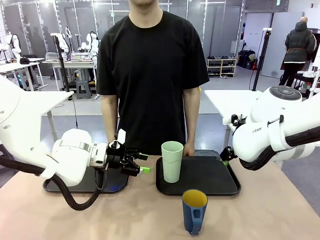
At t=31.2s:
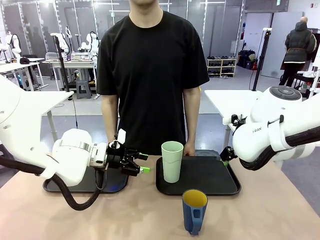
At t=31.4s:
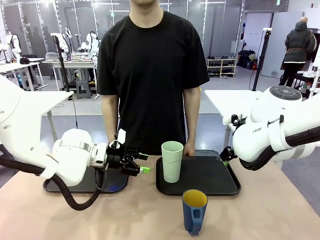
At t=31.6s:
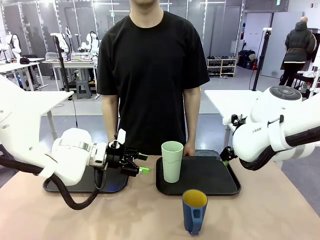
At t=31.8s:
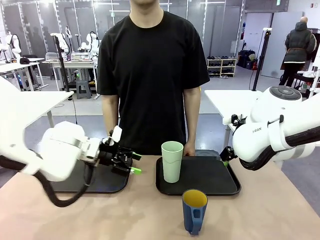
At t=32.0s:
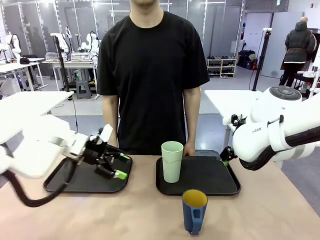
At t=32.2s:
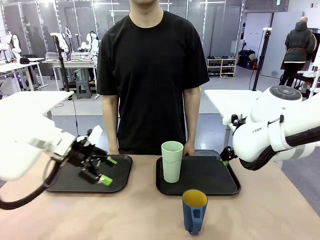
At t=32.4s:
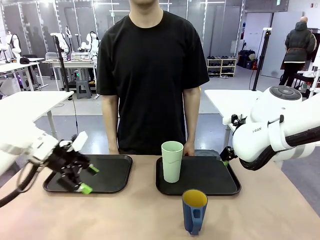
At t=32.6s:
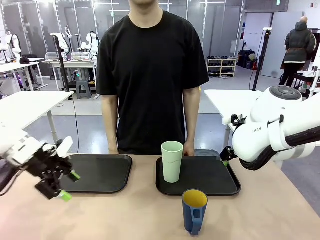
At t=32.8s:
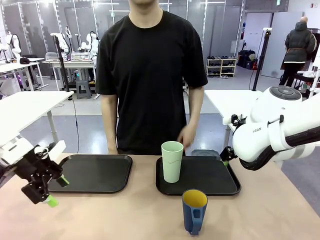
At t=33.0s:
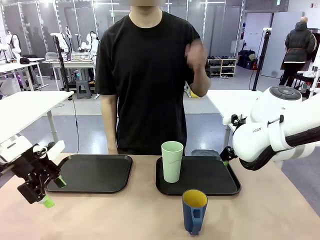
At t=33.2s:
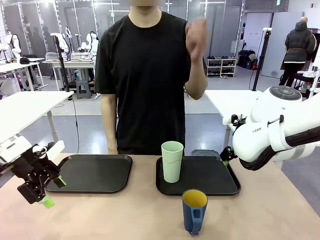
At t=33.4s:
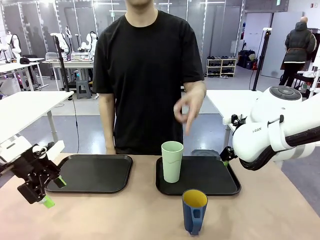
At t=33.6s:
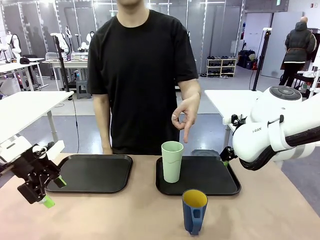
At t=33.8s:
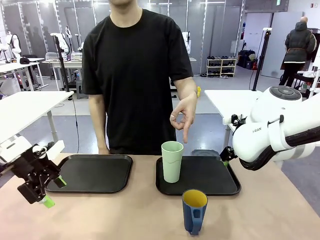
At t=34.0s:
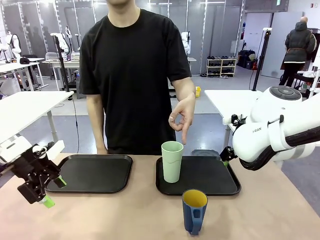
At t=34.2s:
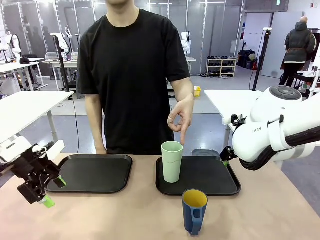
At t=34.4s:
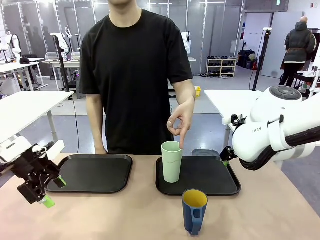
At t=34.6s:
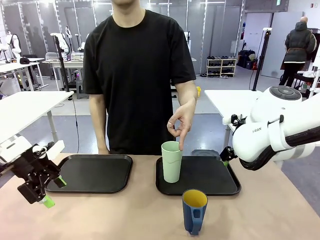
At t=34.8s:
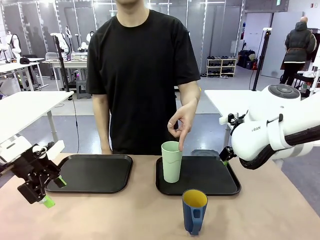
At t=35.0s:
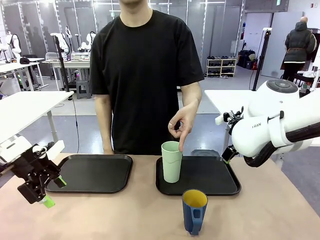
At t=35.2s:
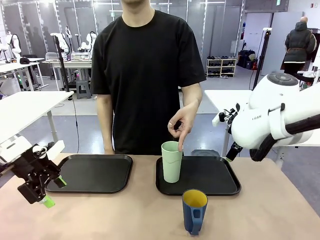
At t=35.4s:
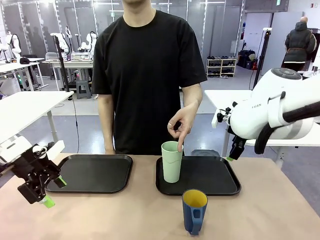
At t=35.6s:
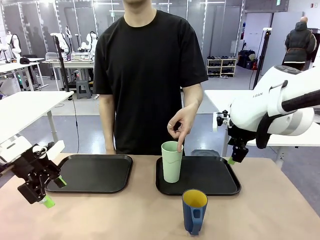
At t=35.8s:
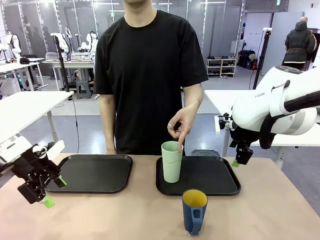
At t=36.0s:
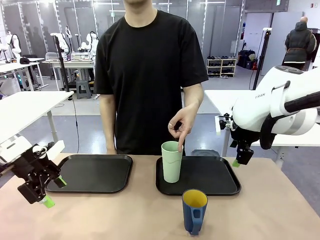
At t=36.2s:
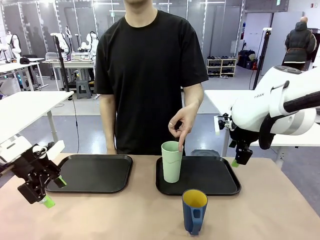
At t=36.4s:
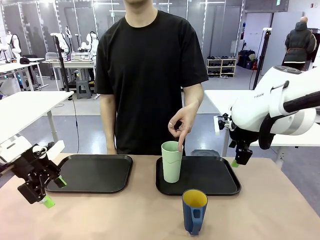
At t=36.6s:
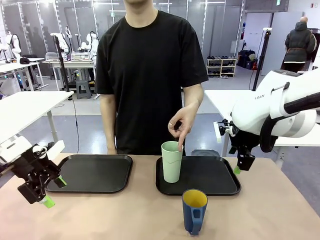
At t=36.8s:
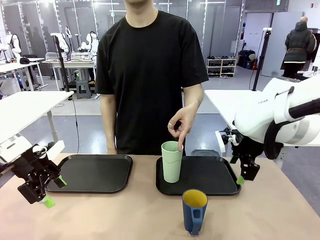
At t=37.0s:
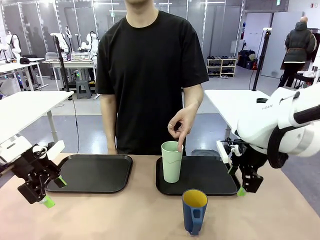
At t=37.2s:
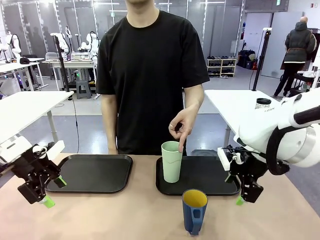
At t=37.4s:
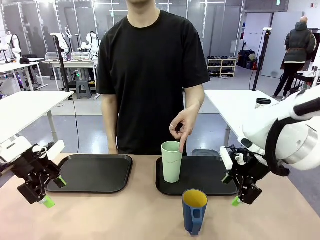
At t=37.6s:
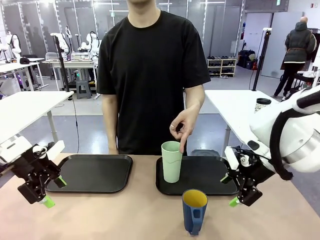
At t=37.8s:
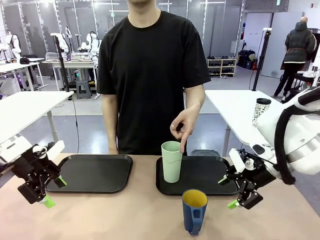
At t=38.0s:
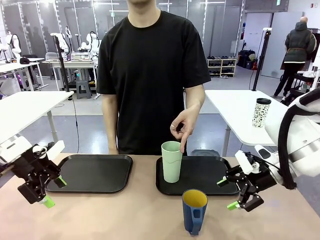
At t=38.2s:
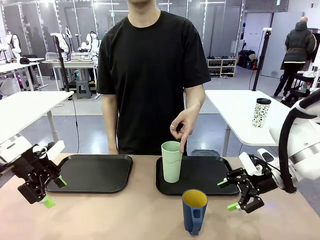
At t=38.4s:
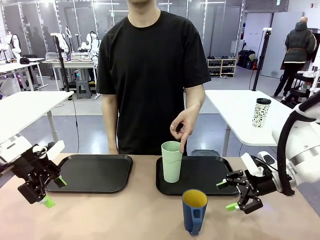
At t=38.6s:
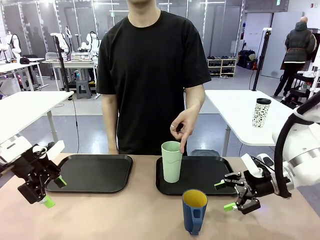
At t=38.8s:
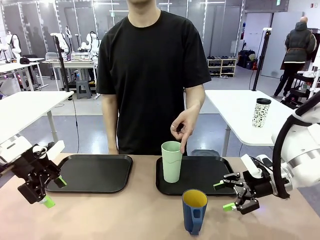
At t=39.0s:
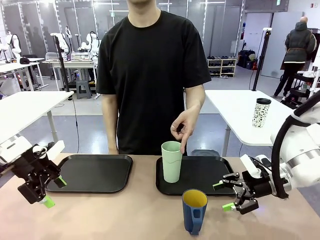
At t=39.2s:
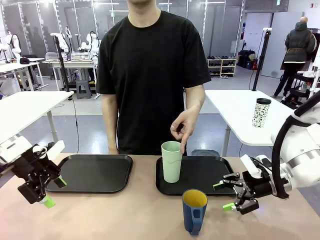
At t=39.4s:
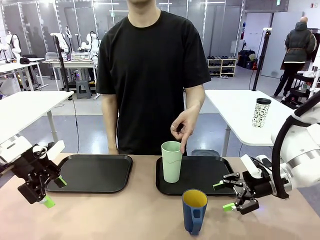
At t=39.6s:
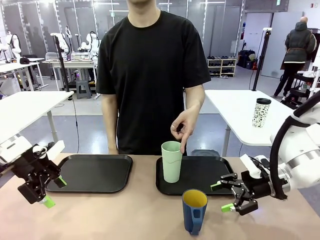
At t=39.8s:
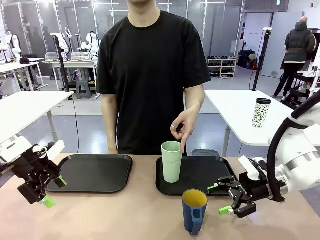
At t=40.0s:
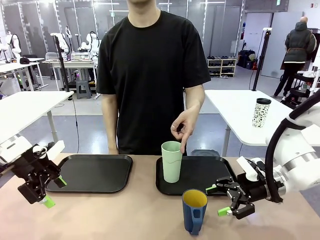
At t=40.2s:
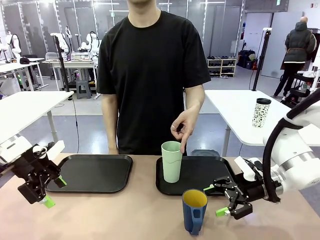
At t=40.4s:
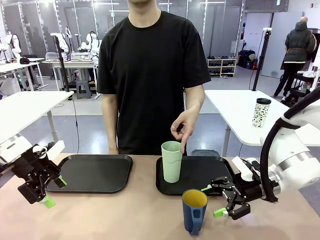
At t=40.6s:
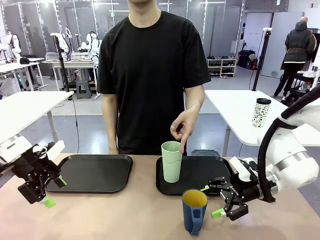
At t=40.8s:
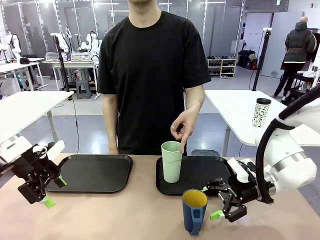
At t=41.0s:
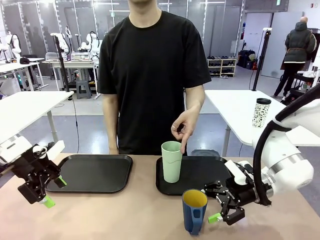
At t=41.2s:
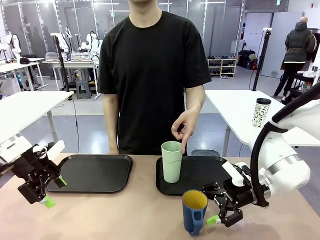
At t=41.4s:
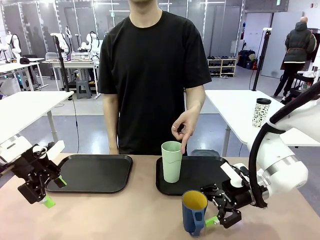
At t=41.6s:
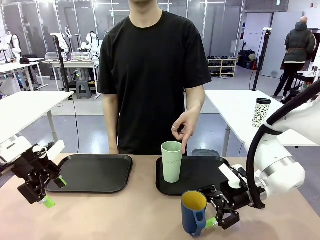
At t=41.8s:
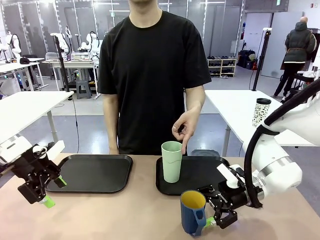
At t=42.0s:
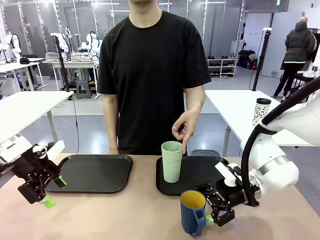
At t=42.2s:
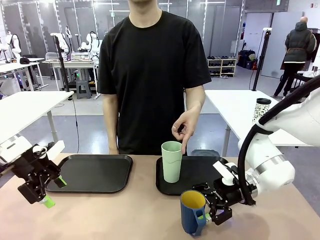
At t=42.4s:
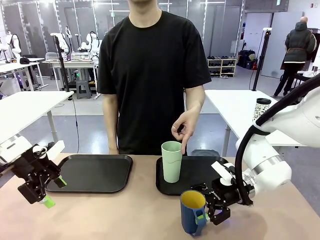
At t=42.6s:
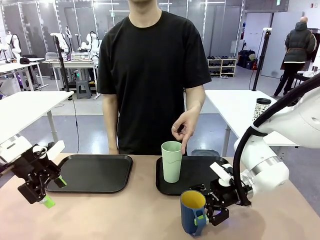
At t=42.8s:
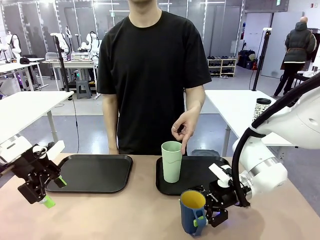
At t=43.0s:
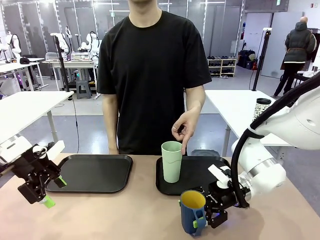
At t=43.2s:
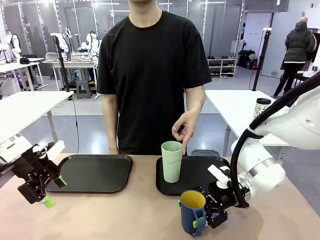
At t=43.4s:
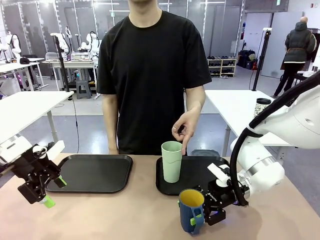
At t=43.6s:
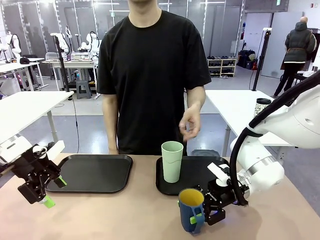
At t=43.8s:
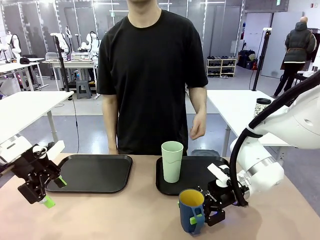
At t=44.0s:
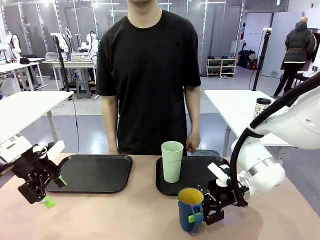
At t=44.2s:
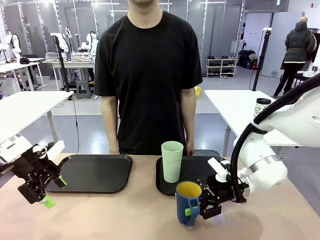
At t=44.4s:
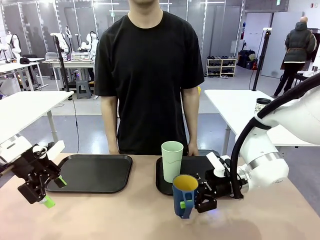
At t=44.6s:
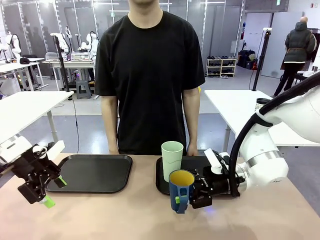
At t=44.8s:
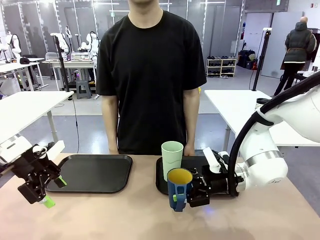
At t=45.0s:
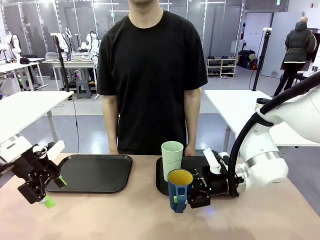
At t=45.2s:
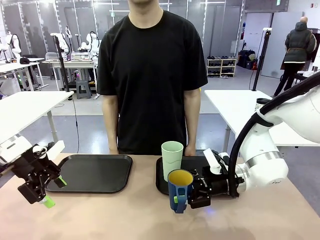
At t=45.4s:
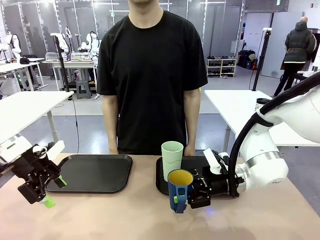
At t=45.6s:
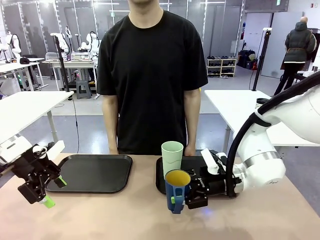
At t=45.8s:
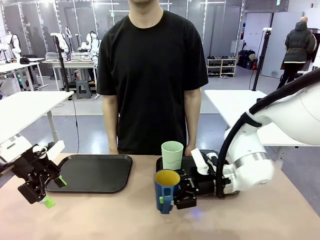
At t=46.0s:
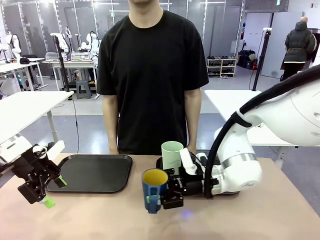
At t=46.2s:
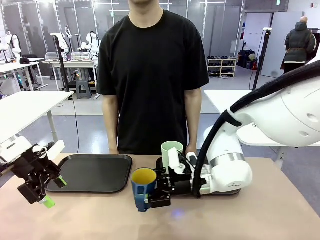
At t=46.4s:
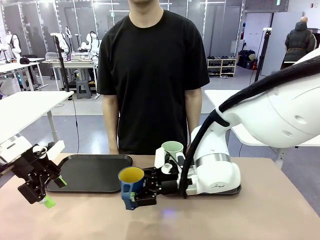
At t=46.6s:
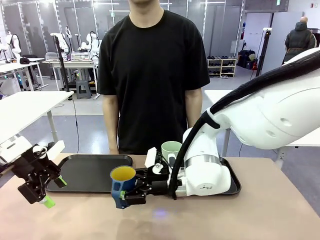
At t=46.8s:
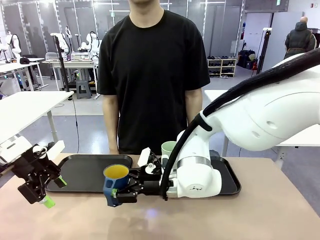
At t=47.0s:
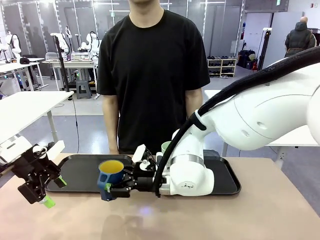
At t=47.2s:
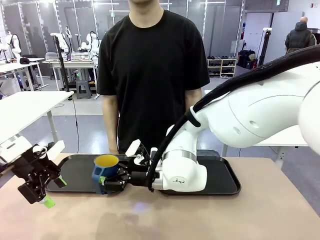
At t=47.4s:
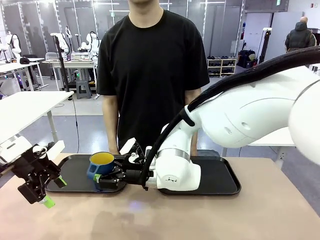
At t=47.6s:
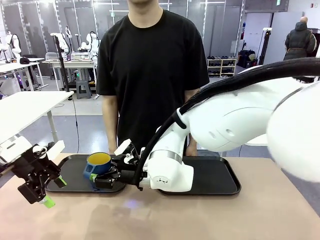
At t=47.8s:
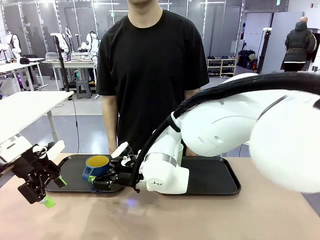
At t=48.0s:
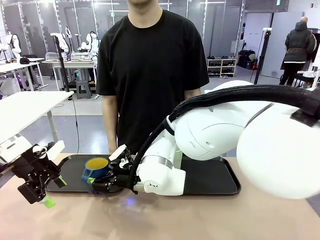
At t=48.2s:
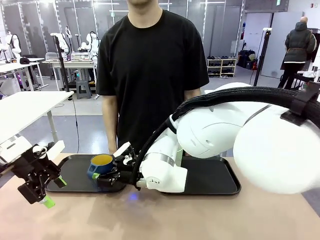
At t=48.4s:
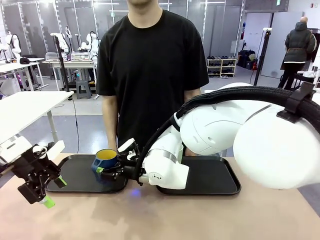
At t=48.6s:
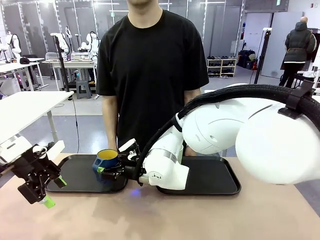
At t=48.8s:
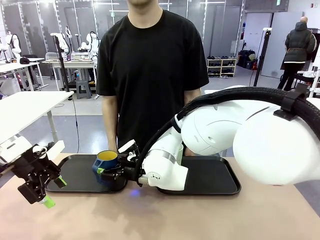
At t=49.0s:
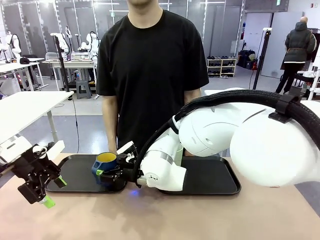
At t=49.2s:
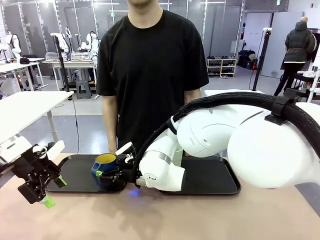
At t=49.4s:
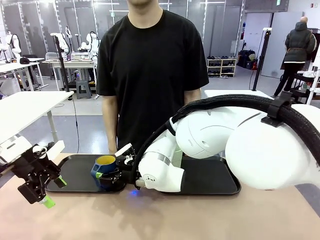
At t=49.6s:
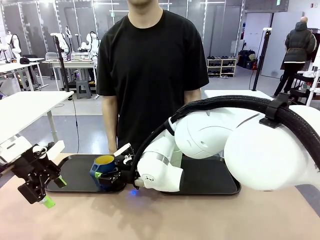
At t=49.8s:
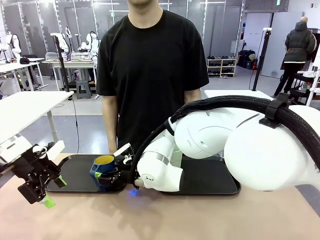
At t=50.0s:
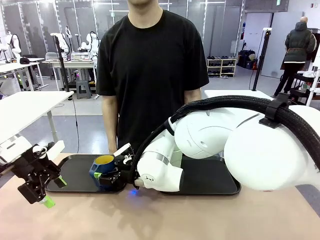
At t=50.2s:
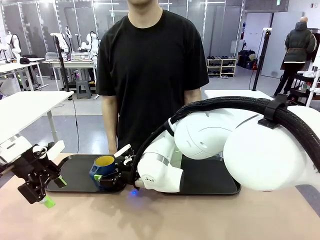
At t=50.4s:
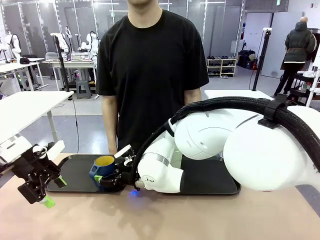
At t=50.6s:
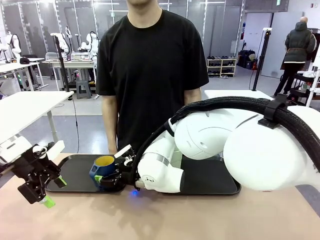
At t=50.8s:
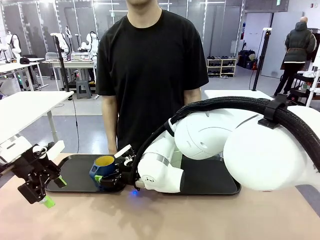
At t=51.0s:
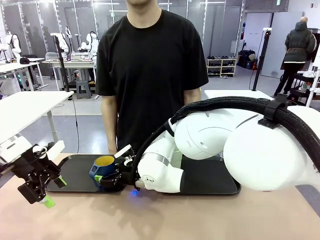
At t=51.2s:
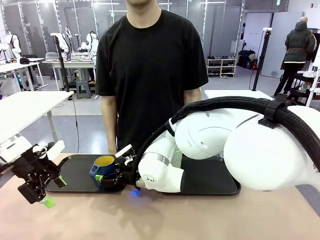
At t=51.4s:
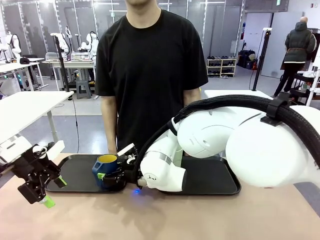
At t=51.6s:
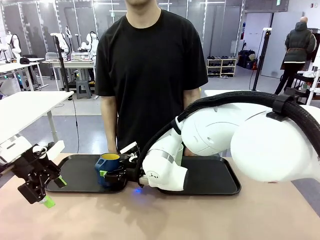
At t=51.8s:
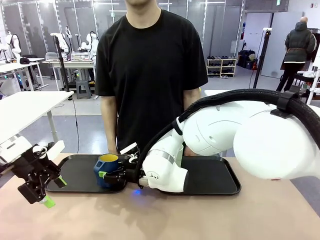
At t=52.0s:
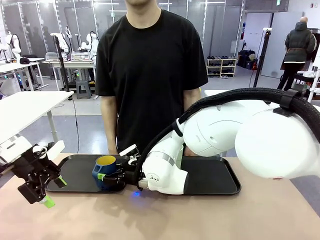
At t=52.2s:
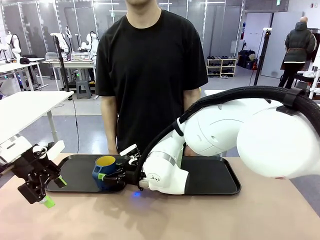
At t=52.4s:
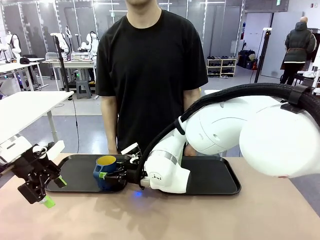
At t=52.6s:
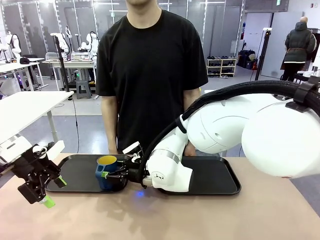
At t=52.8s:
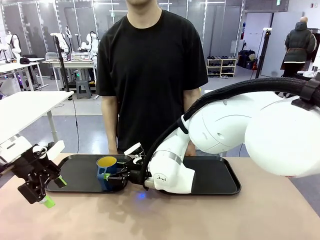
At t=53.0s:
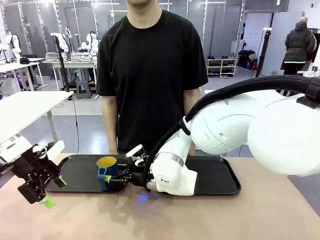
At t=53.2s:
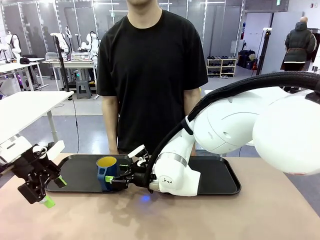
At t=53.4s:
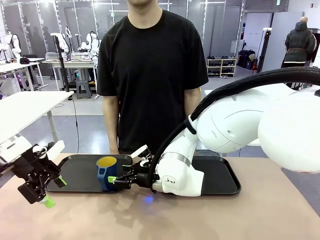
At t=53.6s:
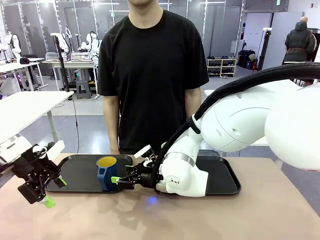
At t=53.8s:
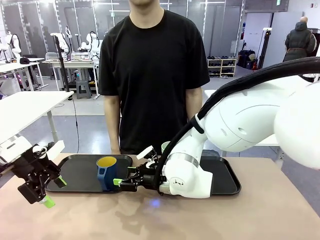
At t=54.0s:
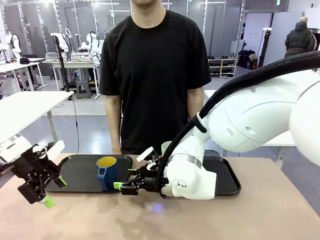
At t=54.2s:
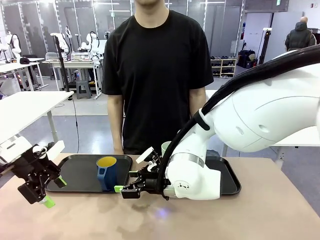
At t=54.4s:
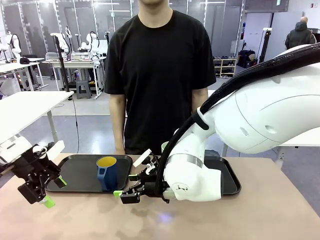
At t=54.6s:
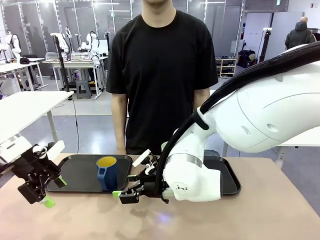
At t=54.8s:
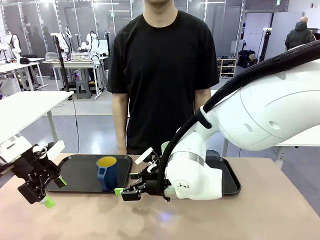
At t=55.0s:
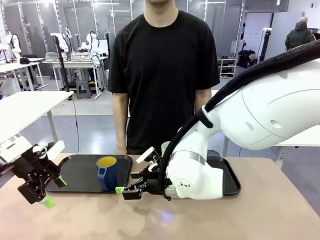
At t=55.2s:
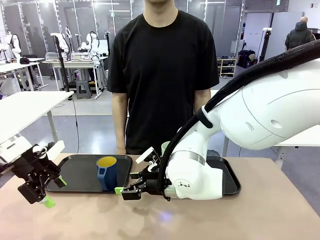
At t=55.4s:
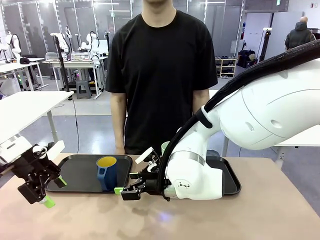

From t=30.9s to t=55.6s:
Task: Sort and store the cups by type.
Robot: Pick up the Handle plastic cup and place it into the empty Flat Tray.
Person: Points to the cup with a handle.
